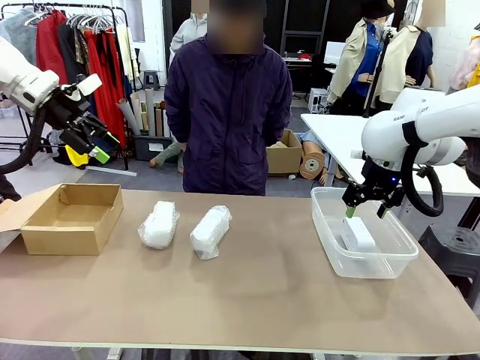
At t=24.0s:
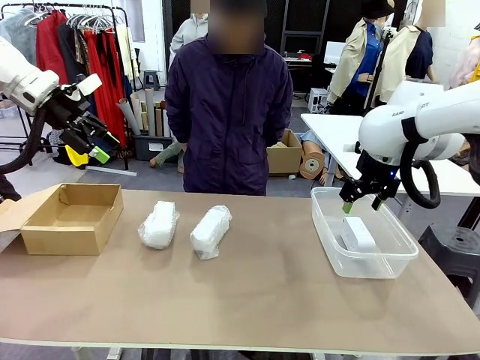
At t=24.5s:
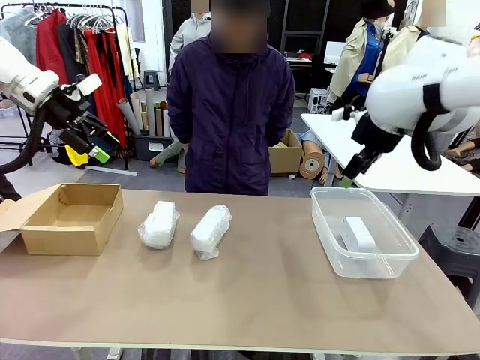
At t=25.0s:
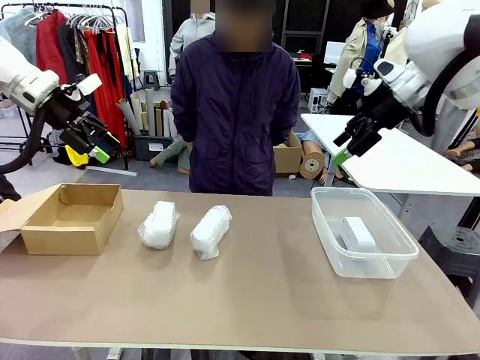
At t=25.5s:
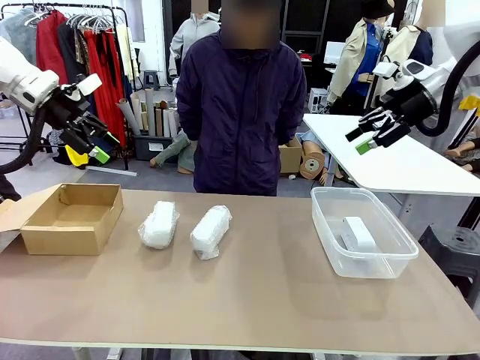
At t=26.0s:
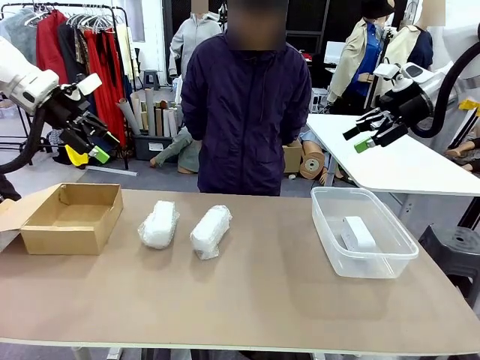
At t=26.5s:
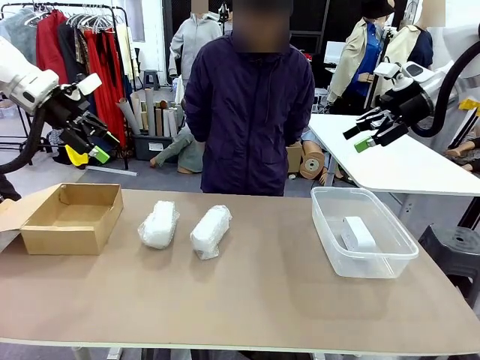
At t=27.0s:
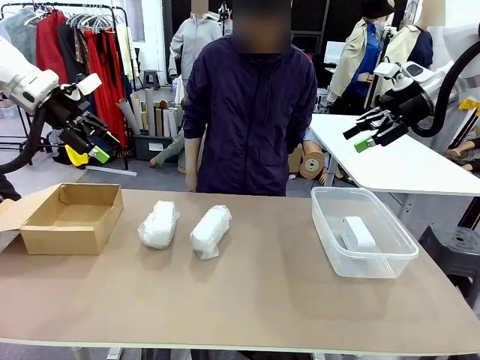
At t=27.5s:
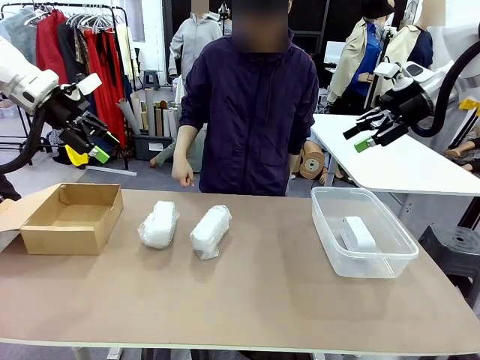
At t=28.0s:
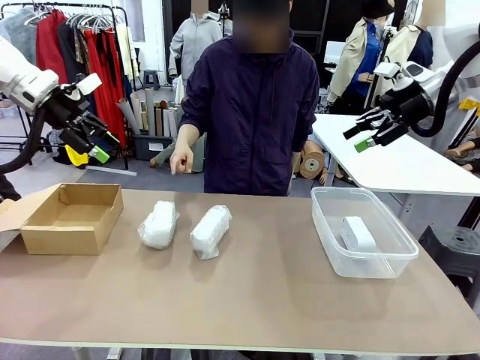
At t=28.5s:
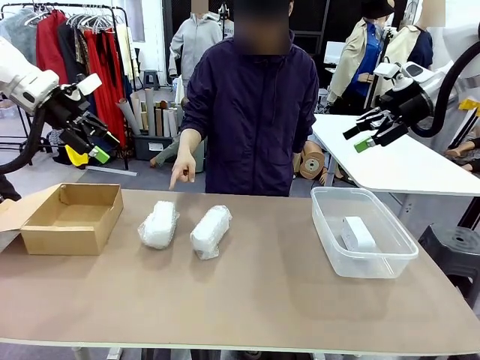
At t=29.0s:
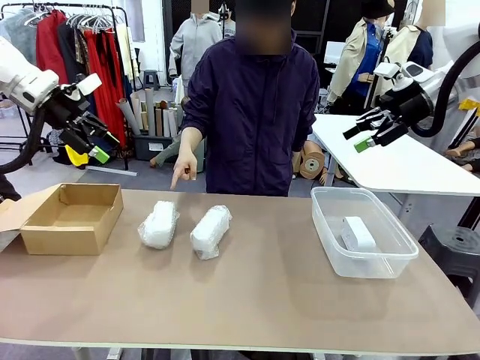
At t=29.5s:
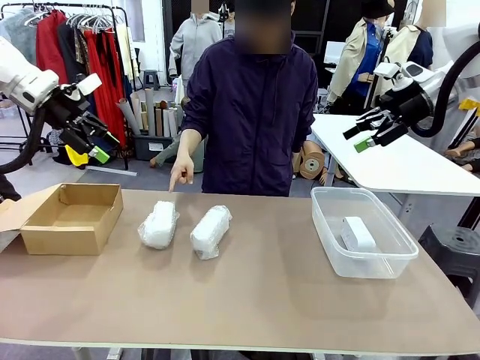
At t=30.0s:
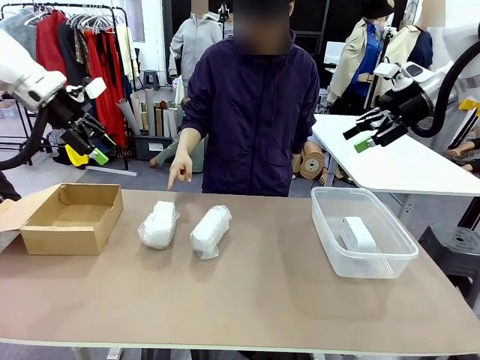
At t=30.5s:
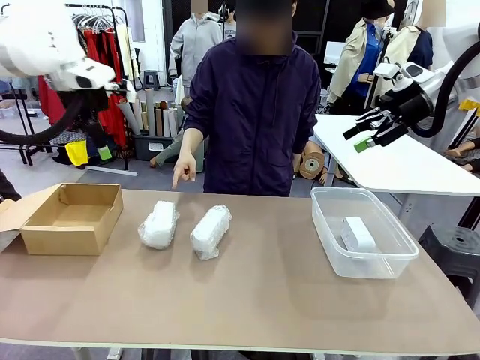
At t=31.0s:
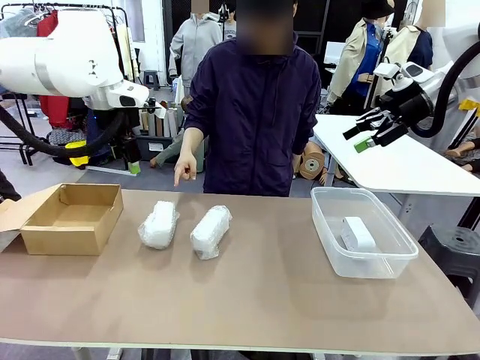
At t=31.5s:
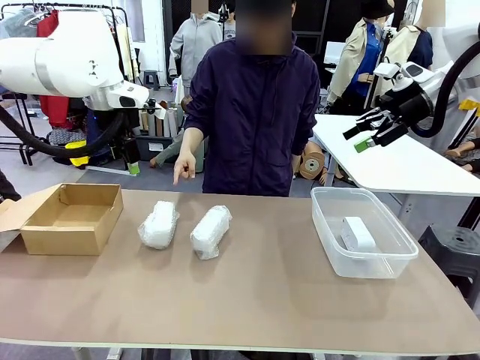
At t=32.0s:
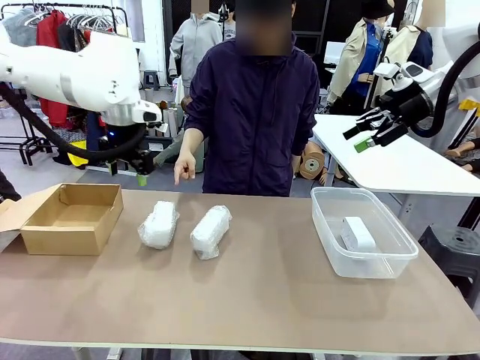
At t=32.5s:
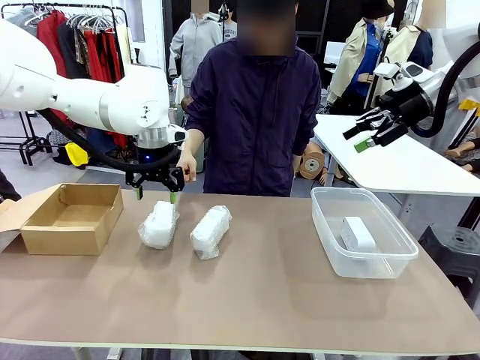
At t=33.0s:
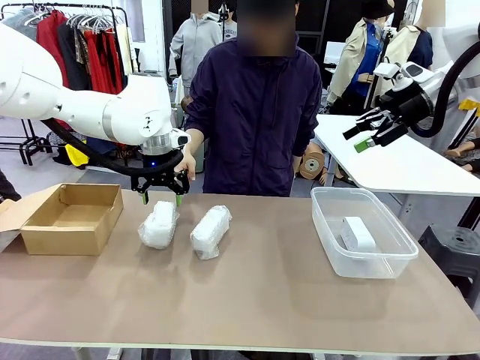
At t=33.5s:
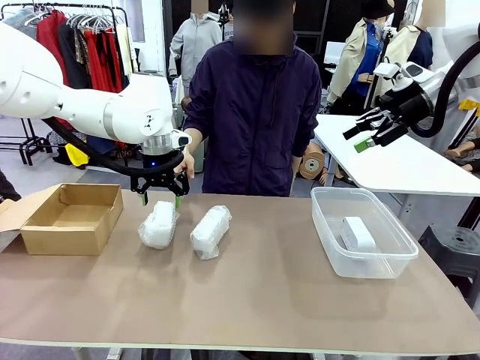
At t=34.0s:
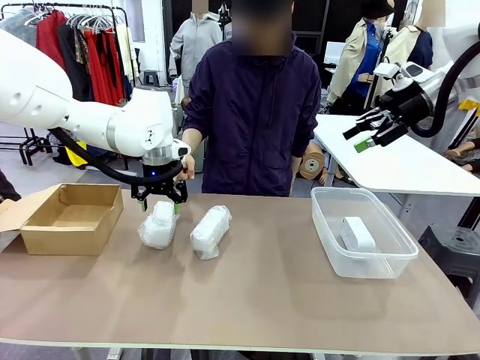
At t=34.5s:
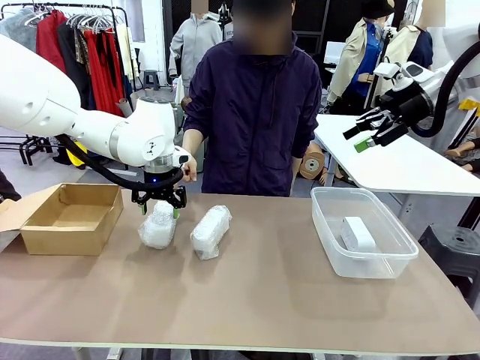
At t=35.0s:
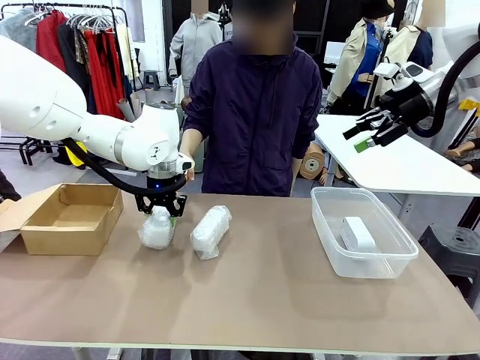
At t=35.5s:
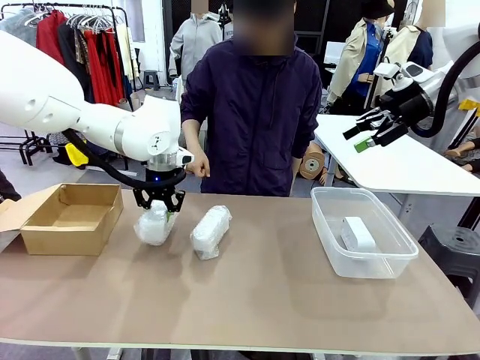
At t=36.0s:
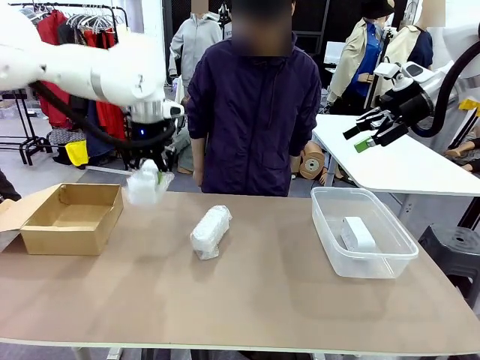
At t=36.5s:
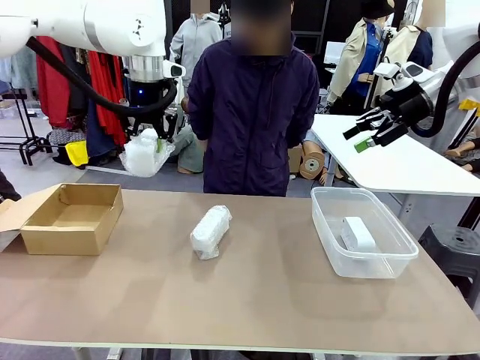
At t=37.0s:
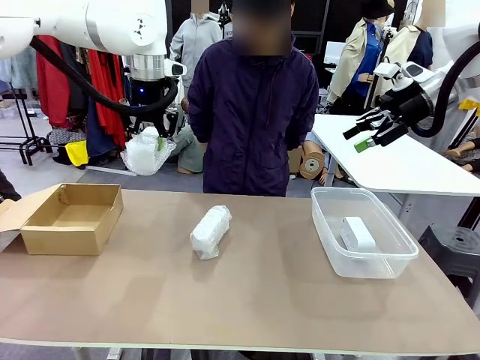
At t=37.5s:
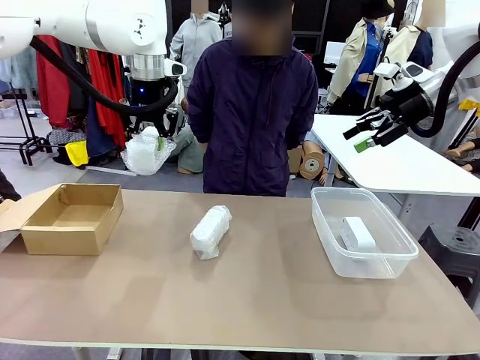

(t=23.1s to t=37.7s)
Task: Separate and place wrapped and unwrapped clocks.
Robot: Pick up the Digital clock indicated by the person.

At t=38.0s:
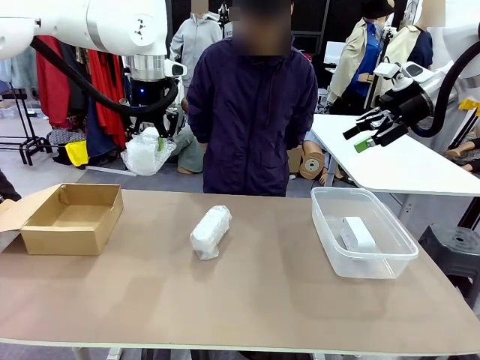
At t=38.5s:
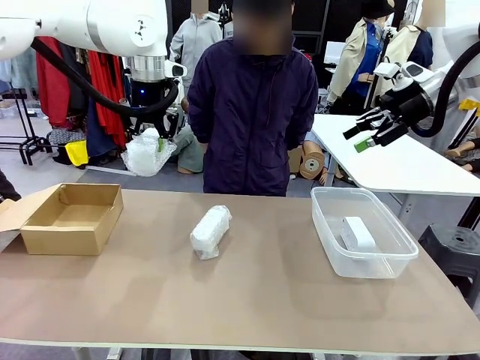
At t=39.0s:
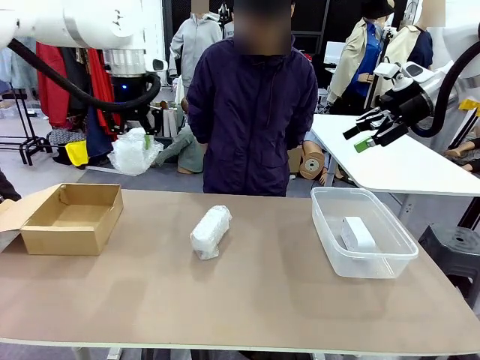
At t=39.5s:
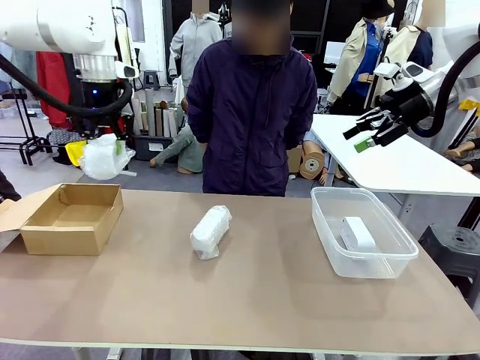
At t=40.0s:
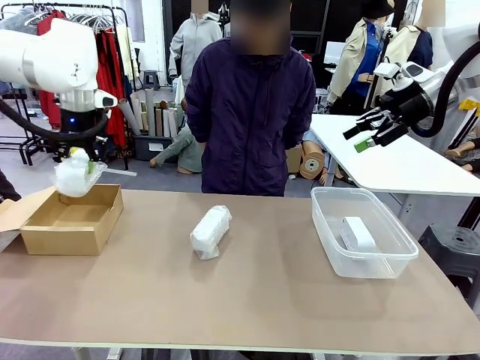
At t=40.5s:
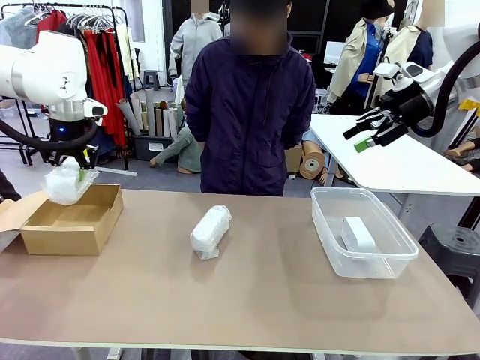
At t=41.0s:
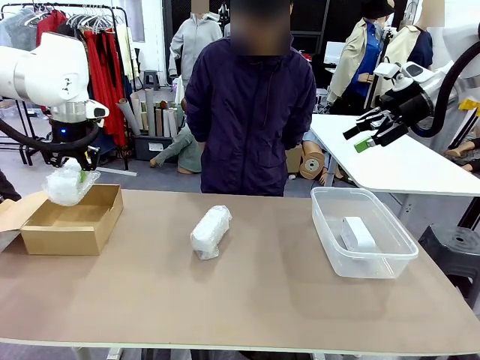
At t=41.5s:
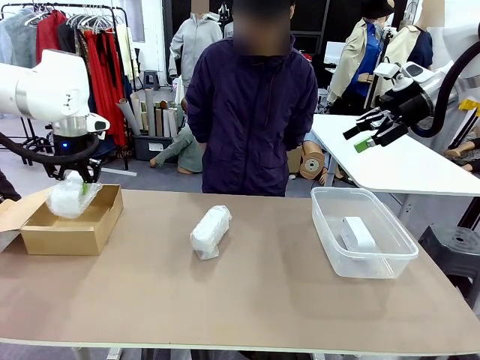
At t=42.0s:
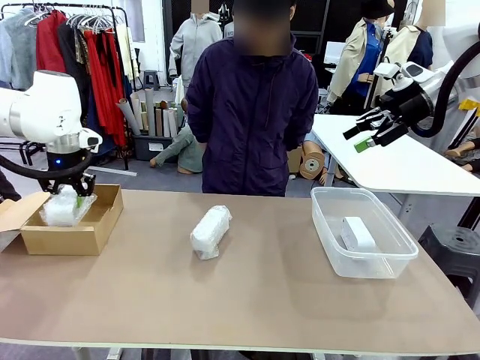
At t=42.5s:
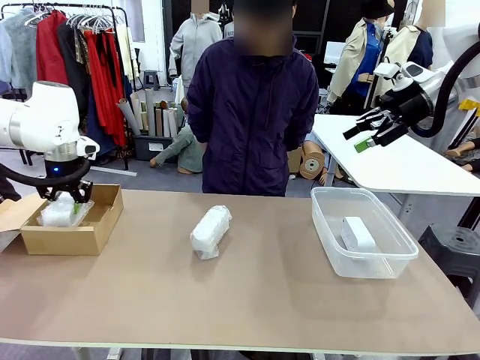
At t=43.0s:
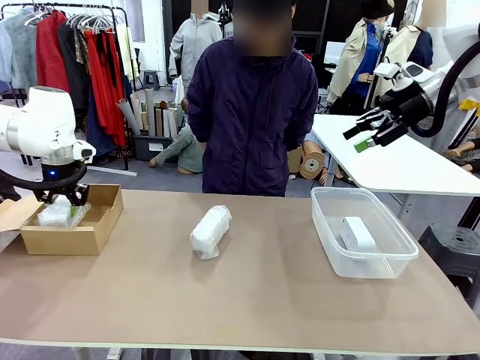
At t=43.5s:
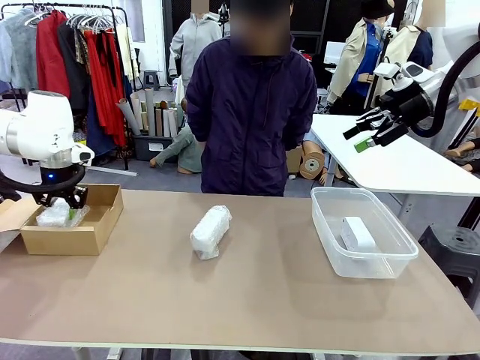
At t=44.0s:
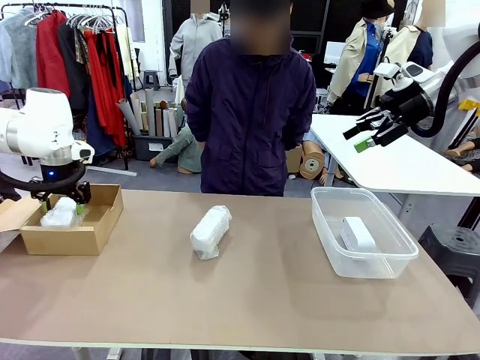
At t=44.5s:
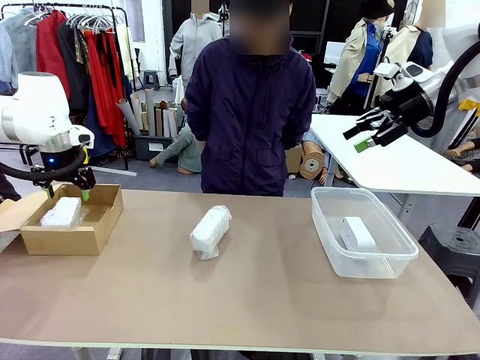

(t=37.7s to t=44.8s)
Robot: If the picked Digital clock is wrapped, place it in the Package Box ; if not, place it in the Organizing box.
